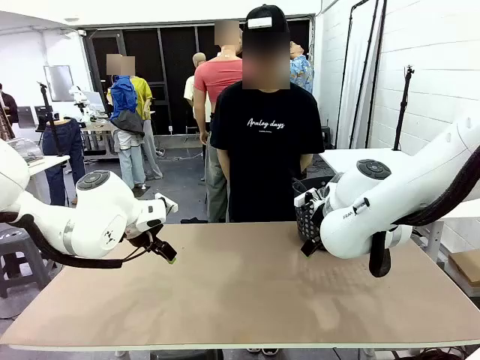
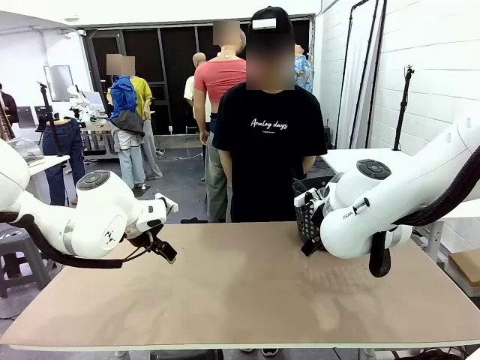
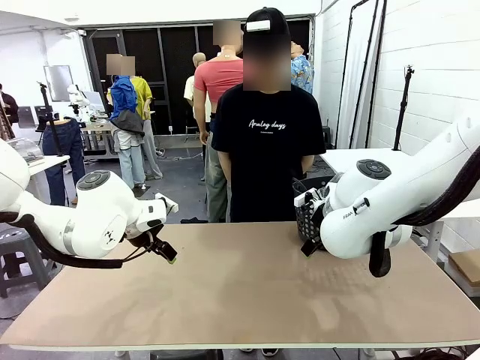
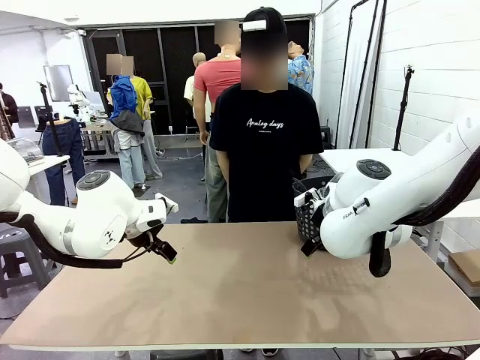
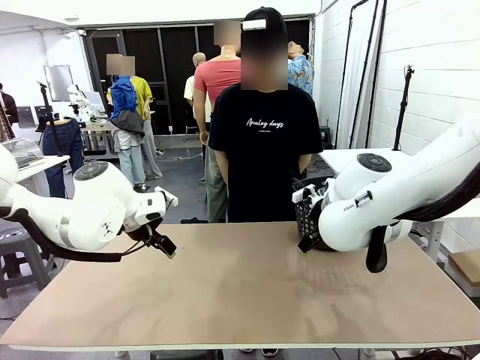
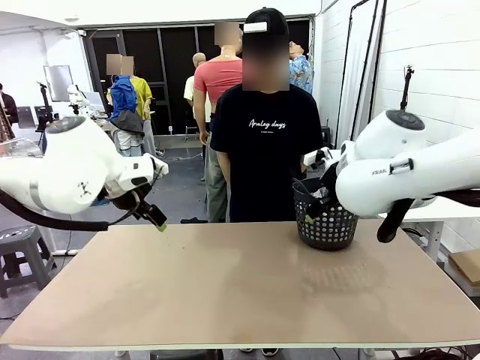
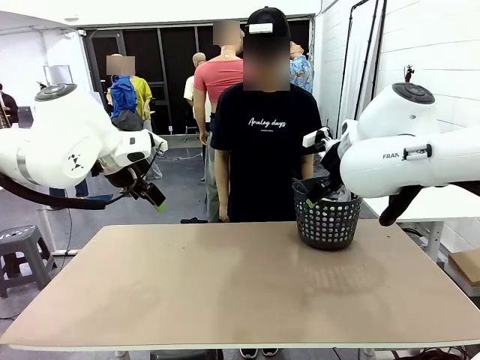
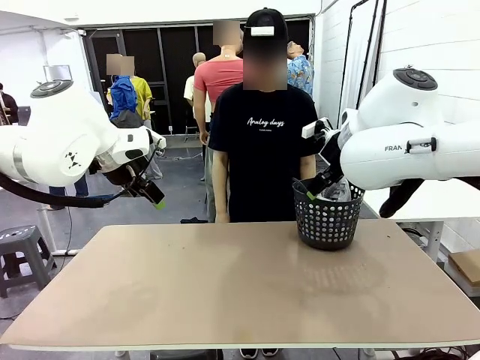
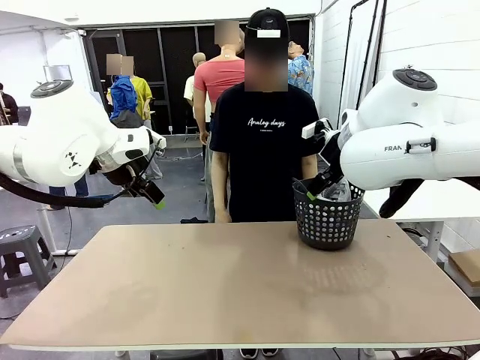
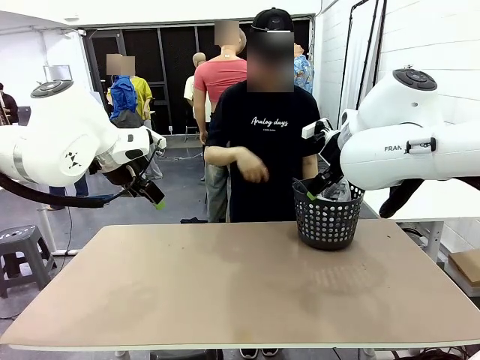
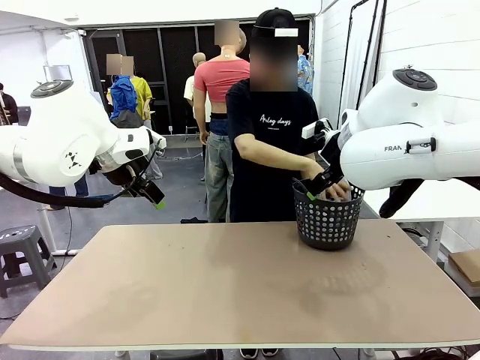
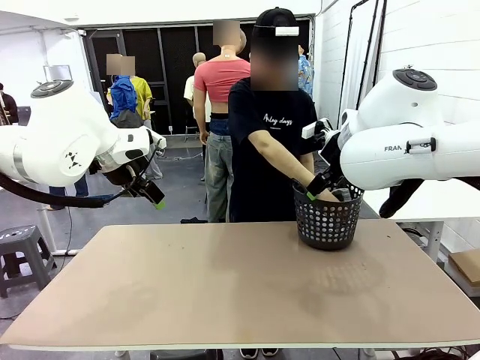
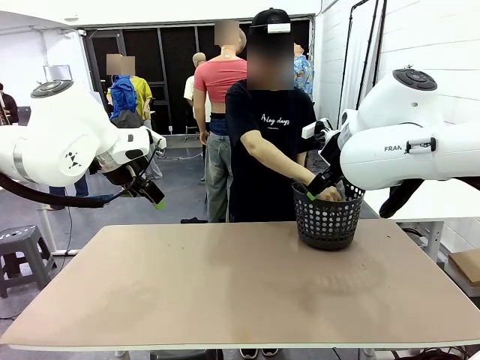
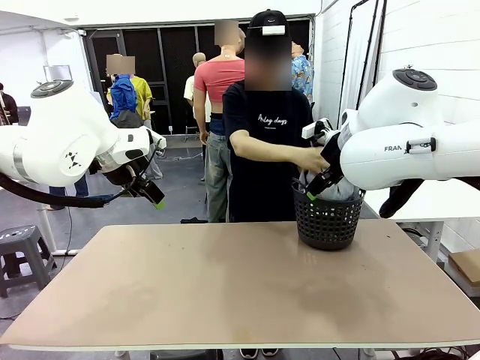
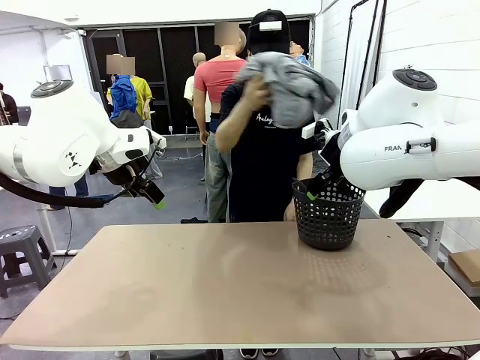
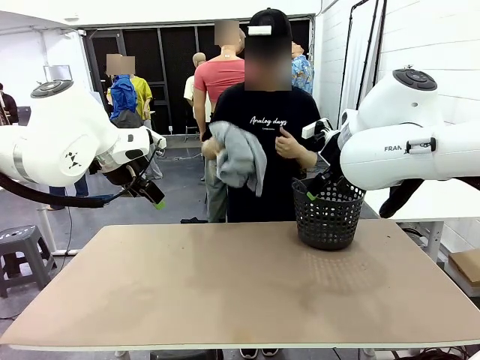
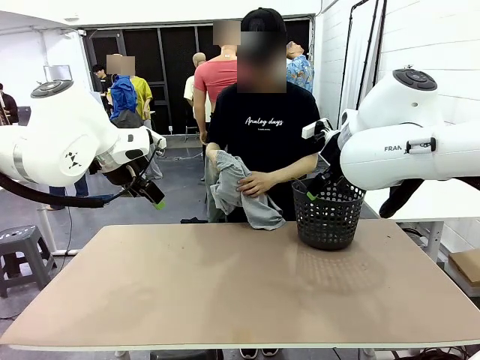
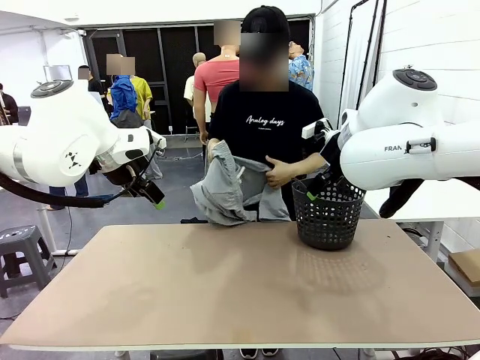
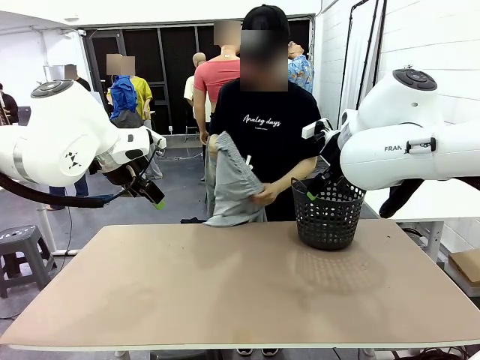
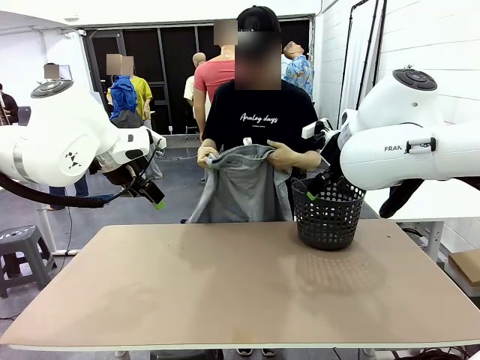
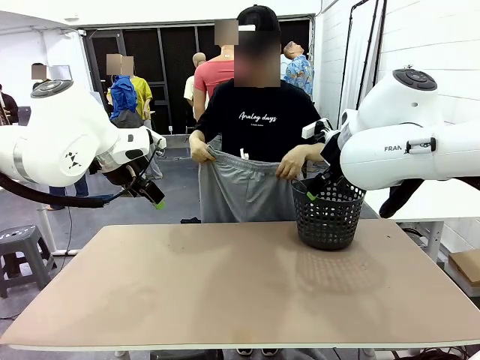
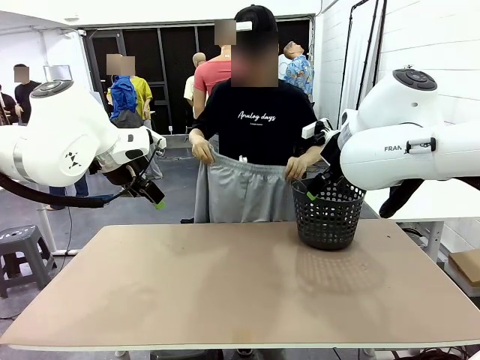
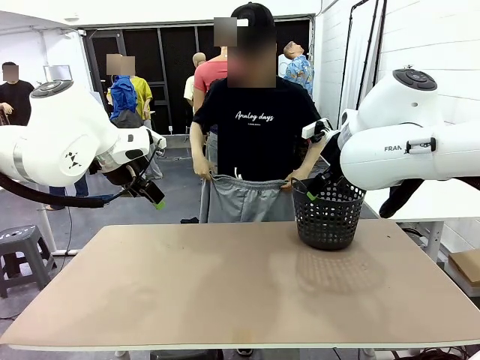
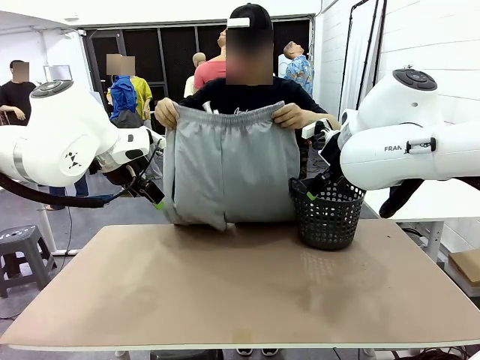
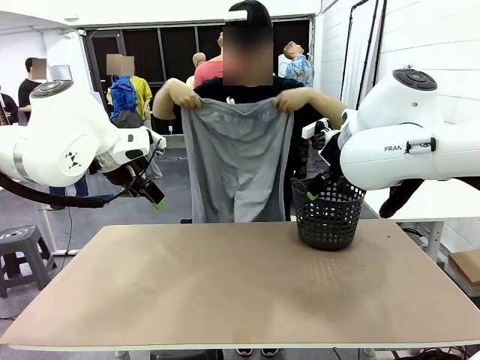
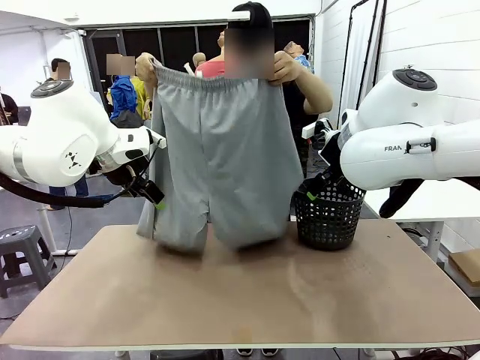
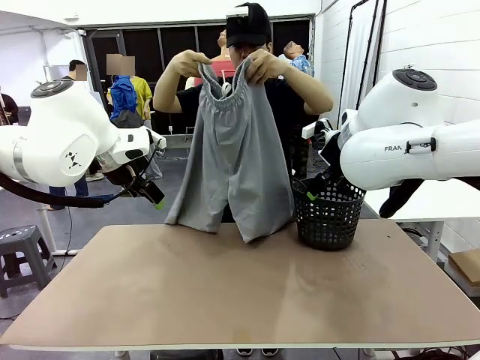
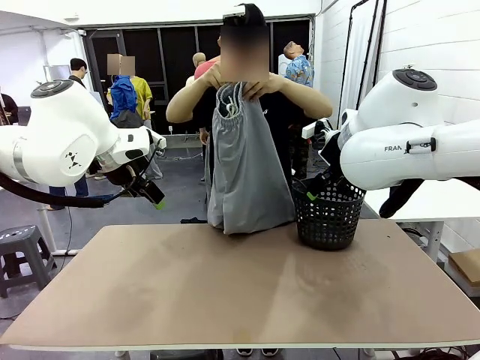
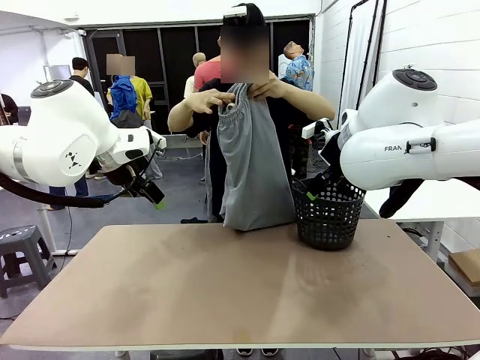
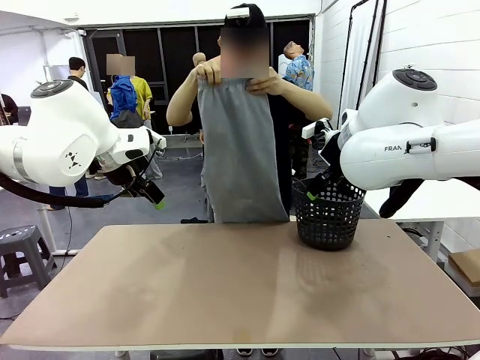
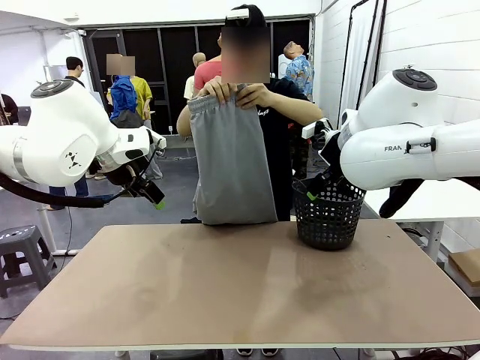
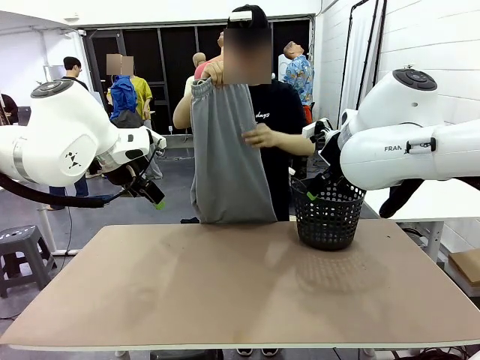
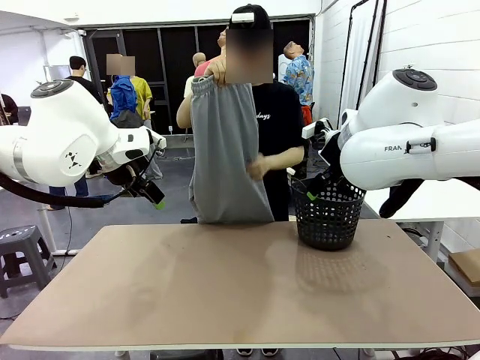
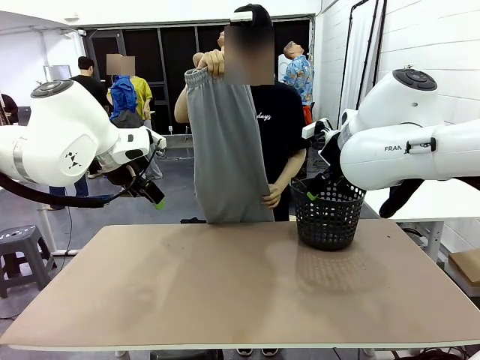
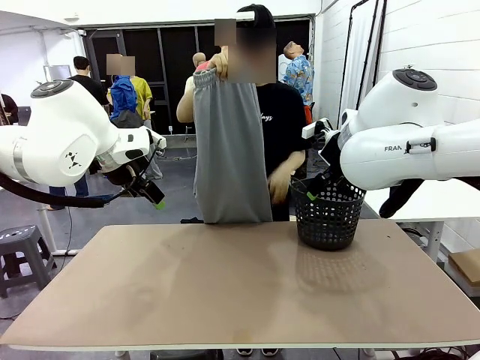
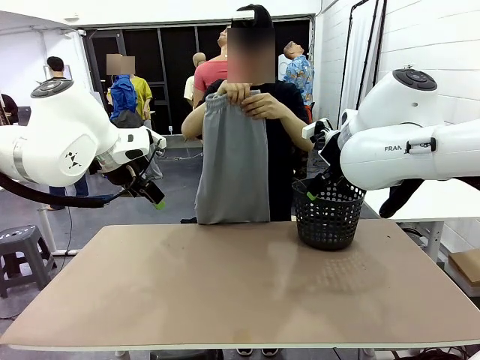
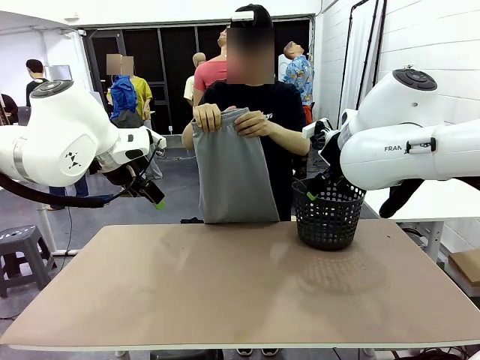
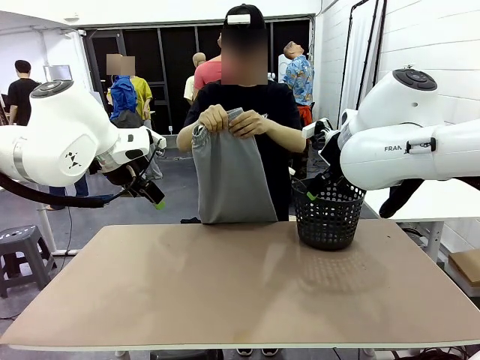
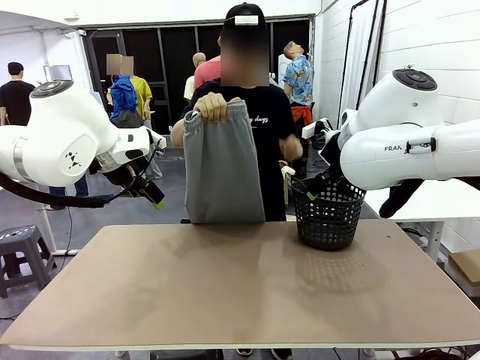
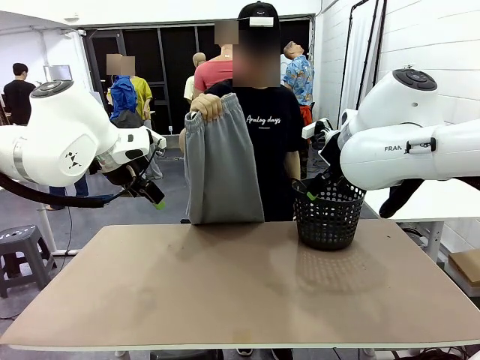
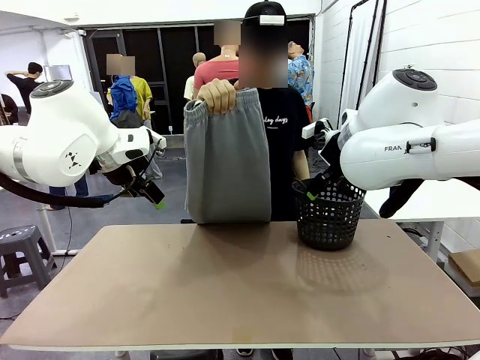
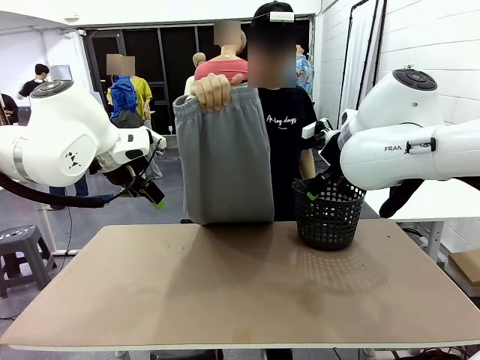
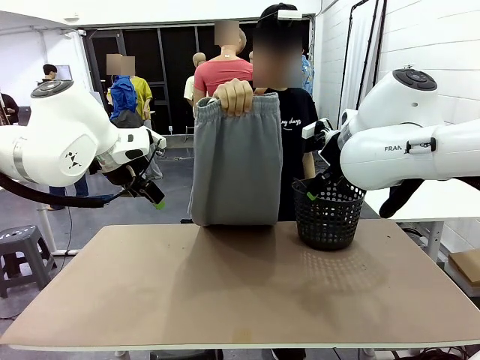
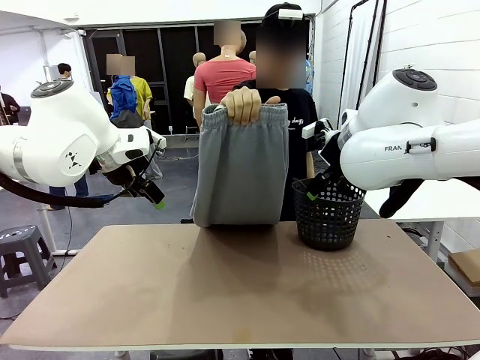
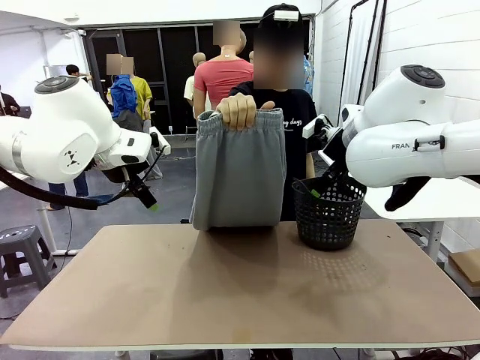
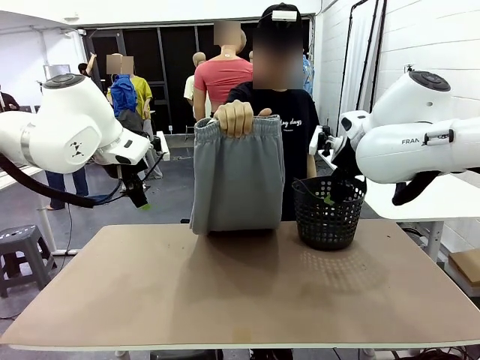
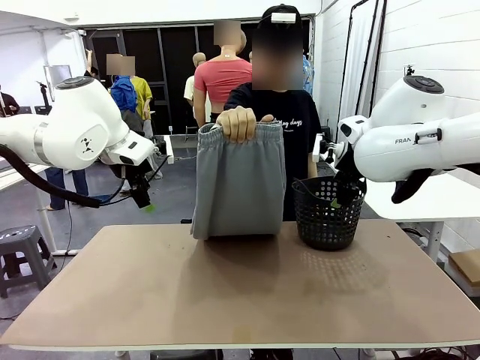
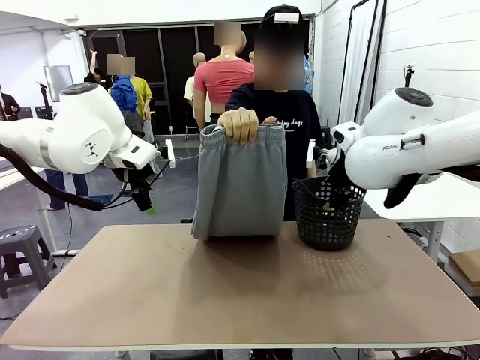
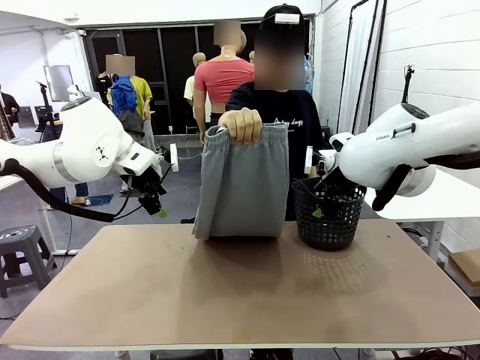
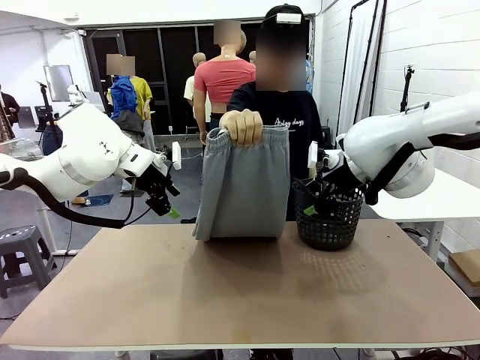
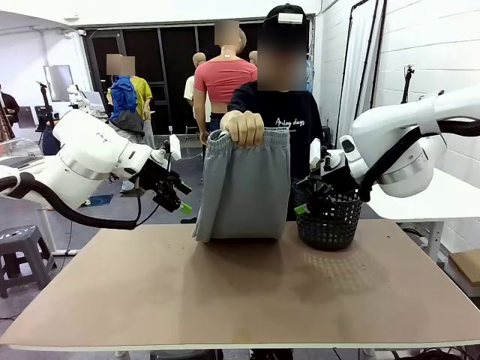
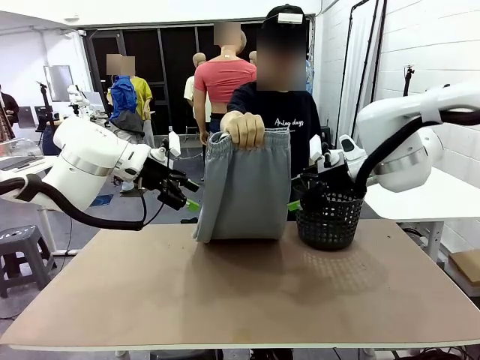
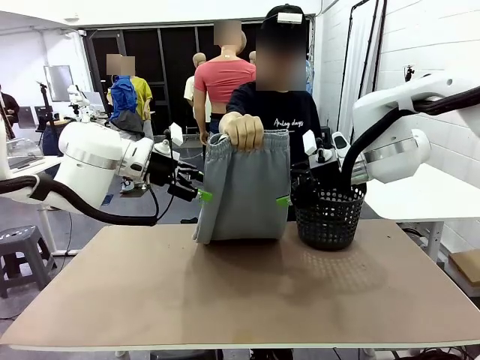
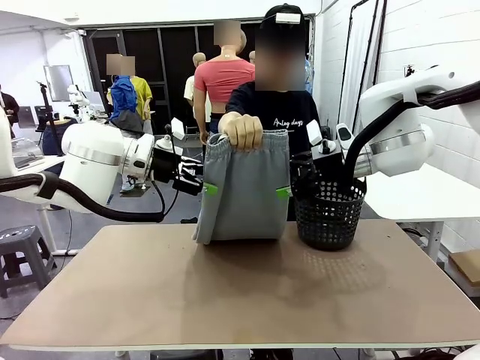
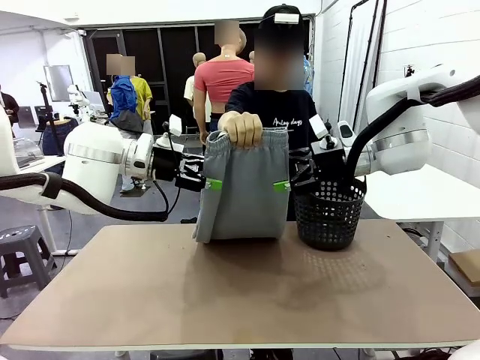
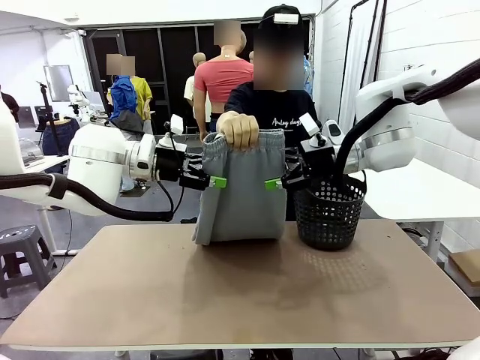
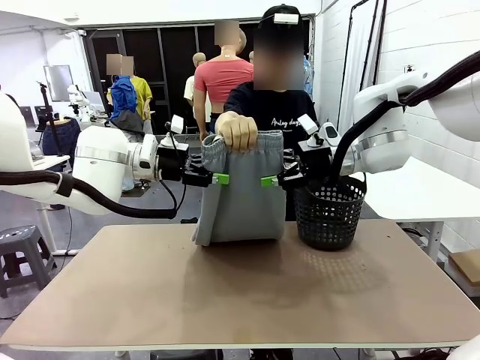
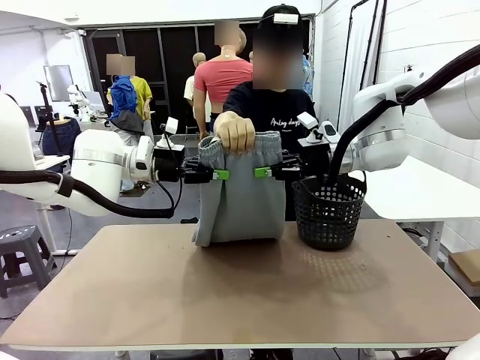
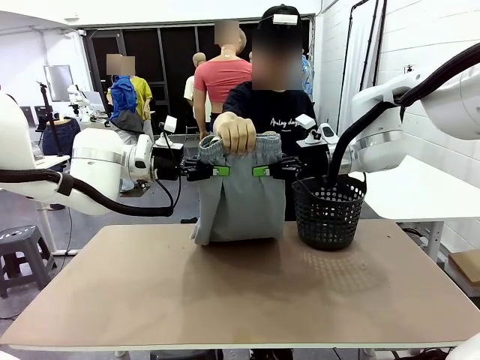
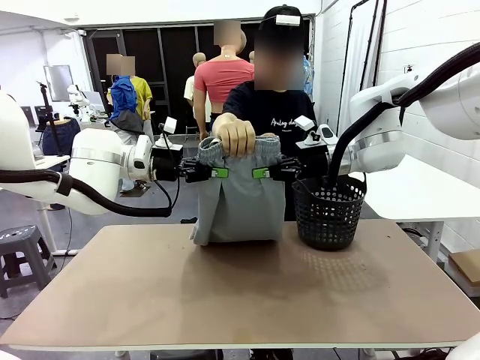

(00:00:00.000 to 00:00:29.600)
Task: Fold the training pants.
Robot: Grab both ends of the Training pants handed by a person.
Person: Take the long pants out of the laundry basket, unfold them, fold the waist in half, and extend them so the robot can pick up both corners.
